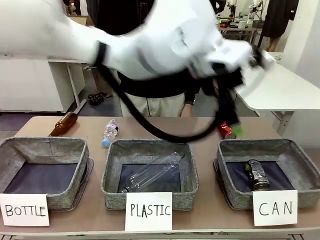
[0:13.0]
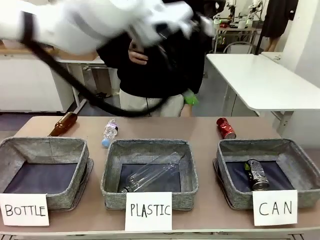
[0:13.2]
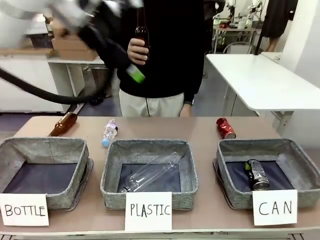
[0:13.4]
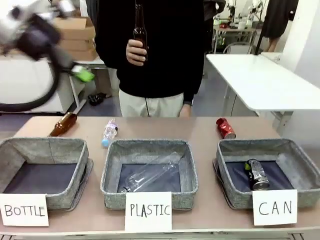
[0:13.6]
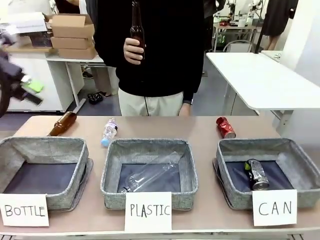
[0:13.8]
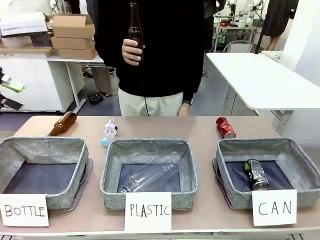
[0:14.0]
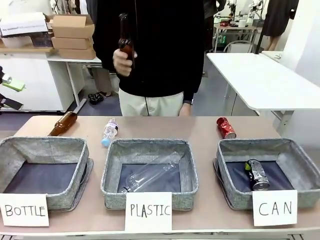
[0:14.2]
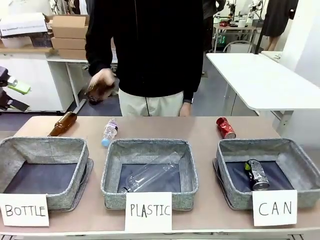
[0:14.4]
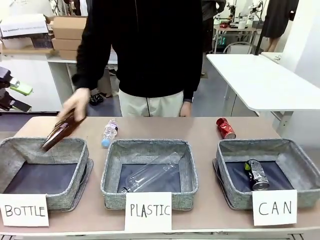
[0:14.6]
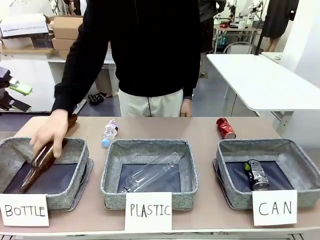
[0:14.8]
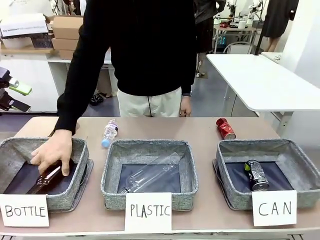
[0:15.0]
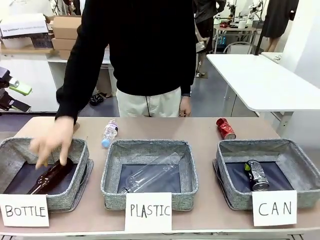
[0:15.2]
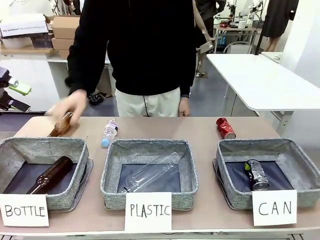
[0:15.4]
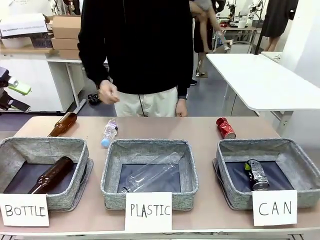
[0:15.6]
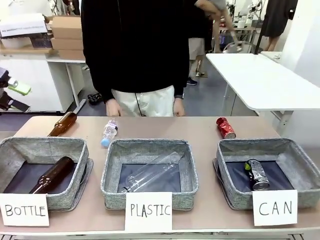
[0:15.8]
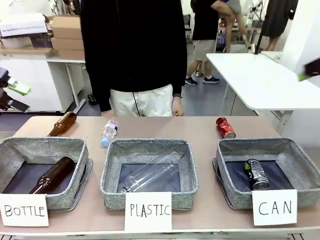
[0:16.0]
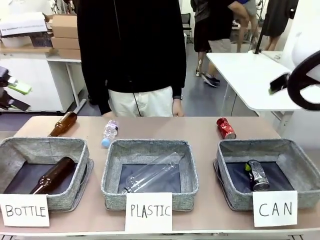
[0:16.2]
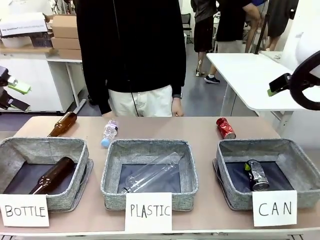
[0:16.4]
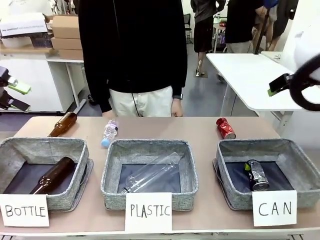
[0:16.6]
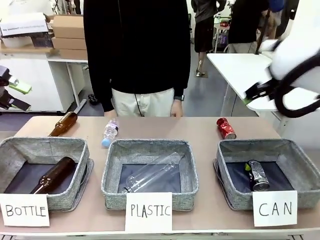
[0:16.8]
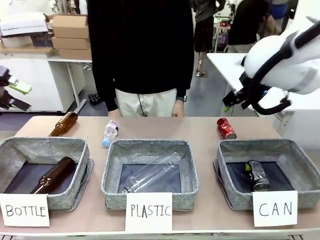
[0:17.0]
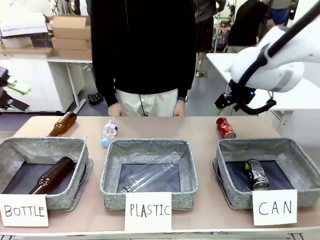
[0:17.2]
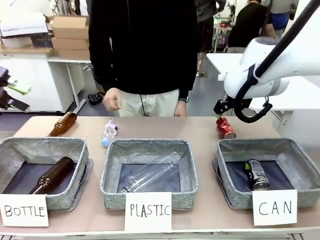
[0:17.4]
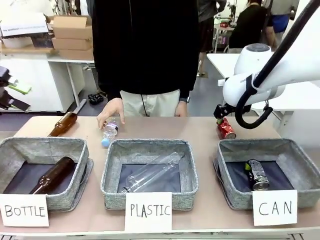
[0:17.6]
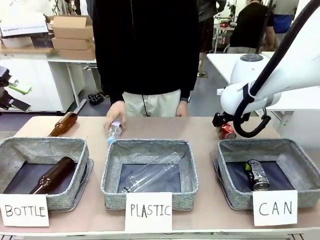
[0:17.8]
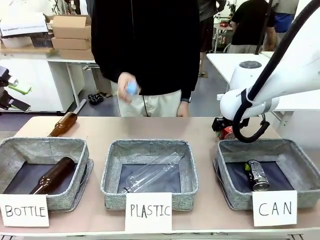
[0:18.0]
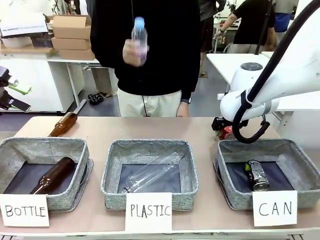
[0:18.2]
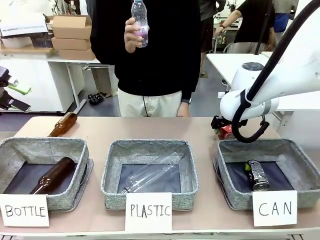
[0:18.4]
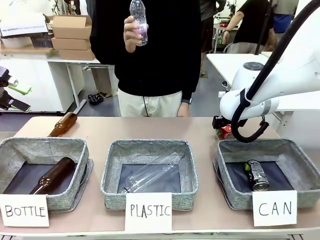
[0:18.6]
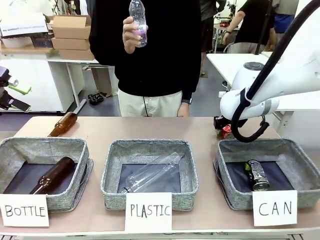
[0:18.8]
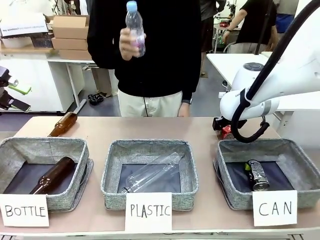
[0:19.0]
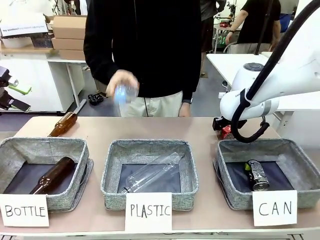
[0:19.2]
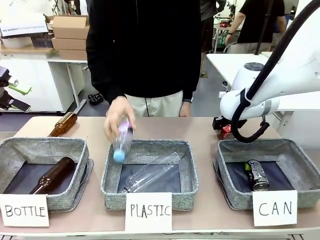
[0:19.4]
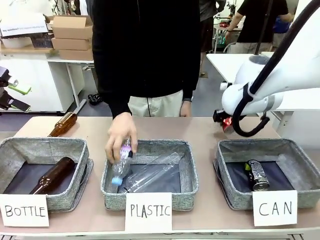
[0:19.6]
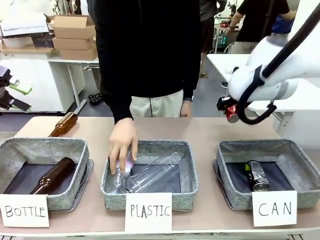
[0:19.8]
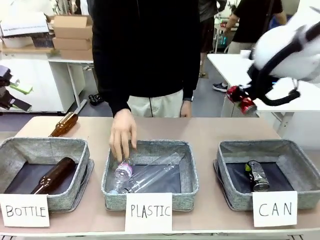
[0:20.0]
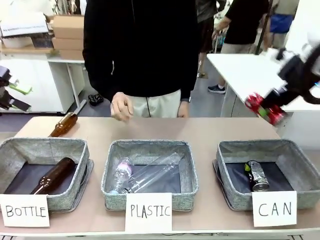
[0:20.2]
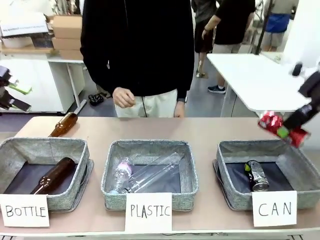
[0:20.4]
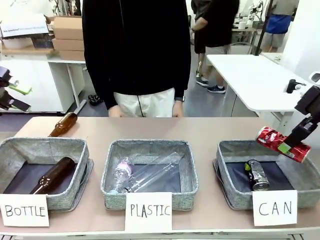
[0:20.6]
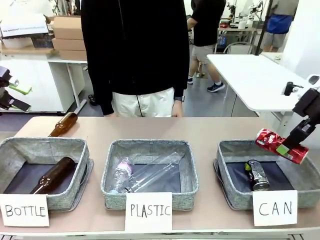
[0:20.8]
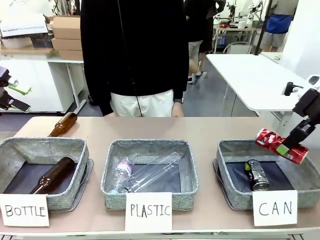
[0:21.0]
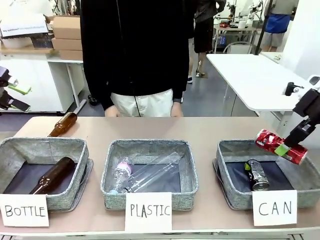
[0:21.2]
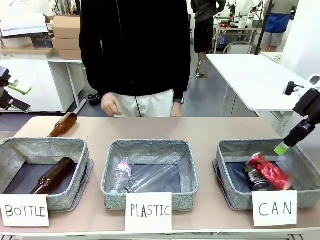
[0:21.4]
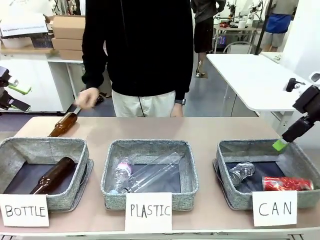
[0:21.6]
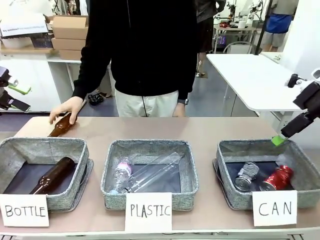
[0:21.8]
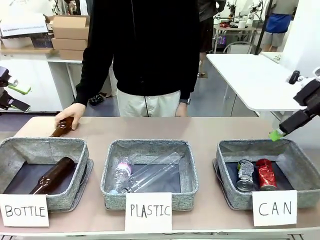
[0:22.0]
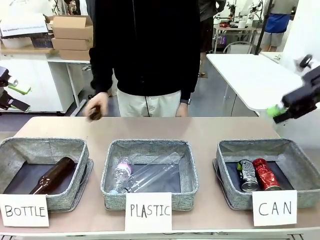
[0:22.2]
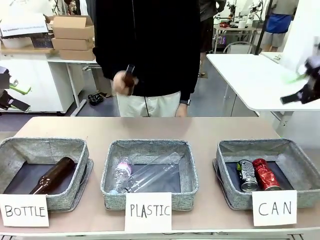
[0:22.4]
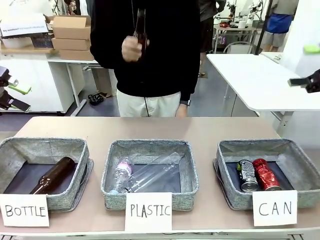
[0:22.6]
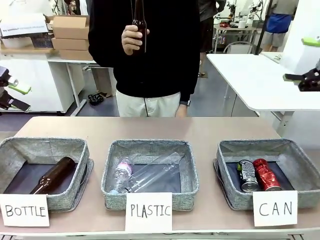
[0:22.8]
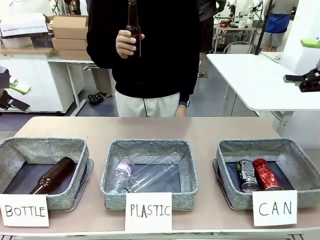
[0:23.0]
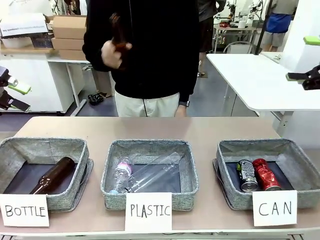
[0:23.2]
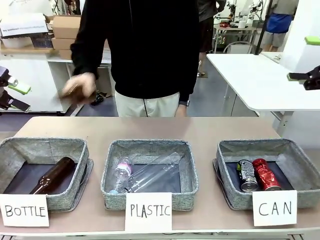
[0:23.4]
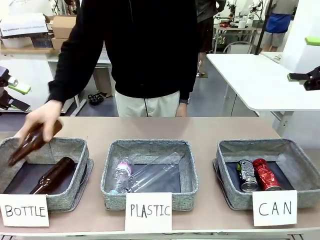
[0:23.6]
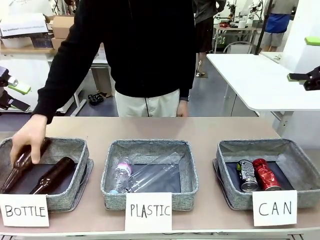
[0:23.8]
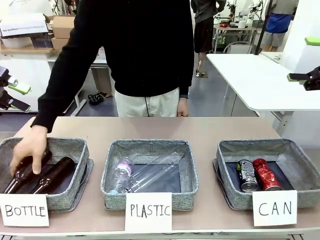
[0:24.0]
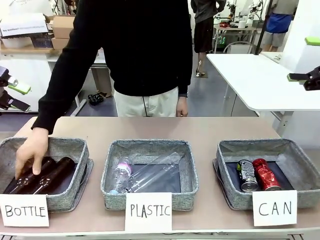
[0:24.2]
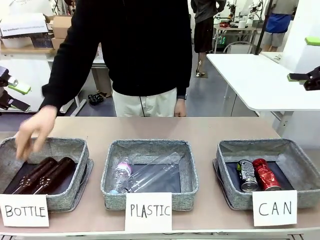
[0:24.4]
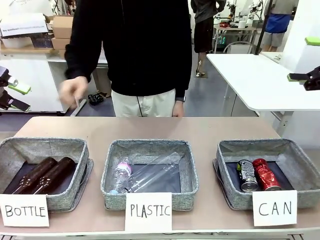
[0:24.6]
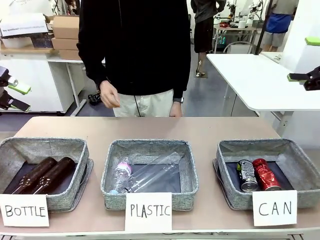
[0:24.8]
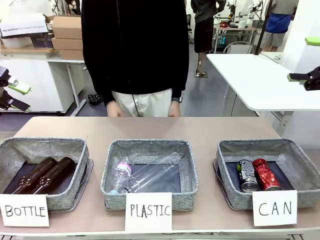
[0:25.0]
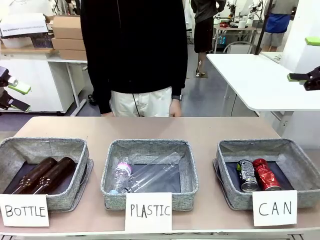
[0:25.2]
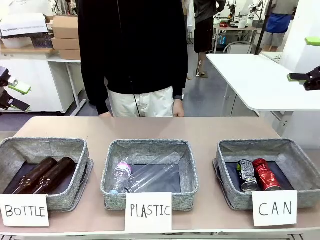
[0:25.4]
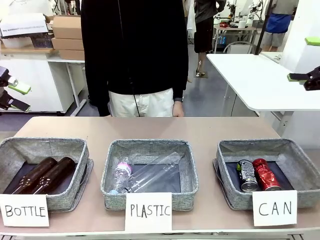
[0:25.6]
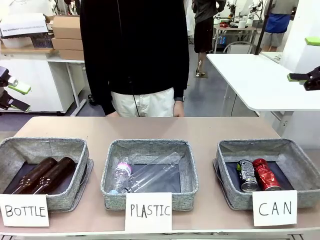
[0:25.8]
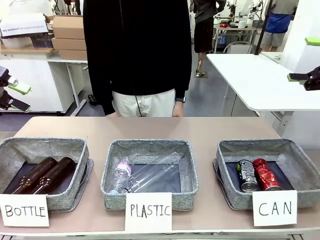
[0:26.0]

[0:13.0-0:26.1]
Task: Sort the can waste into the basket.
Robot: Pick up the can waste from the table and place it in the right Fabric basket.
Person: The human picks up one piece of trash that is not a can and places the trash into the appropriate organizing basket.
